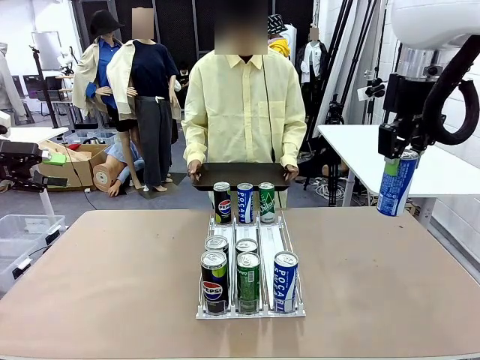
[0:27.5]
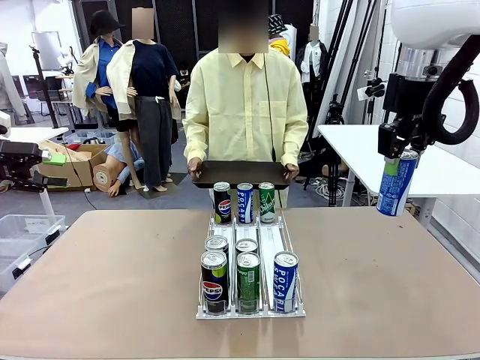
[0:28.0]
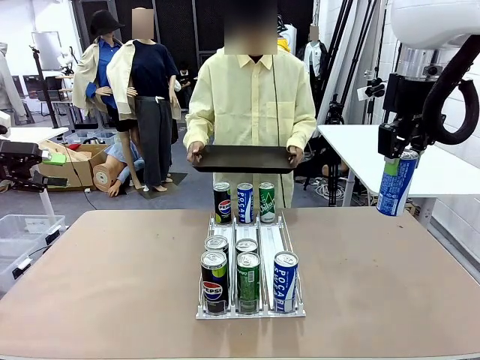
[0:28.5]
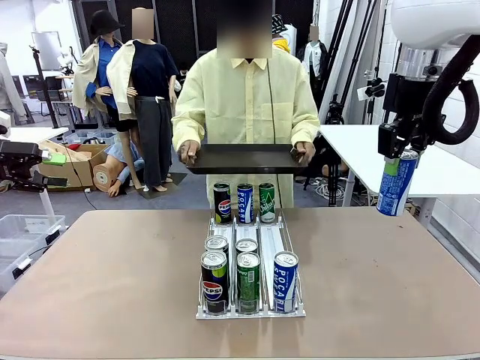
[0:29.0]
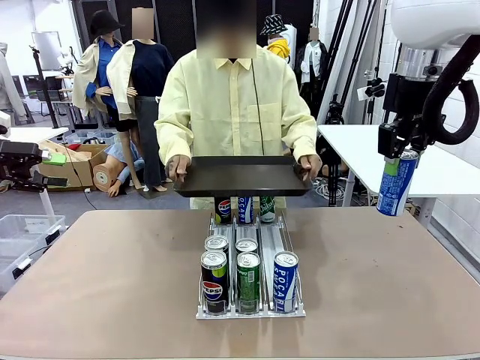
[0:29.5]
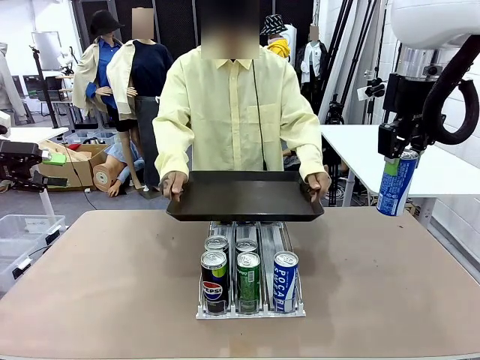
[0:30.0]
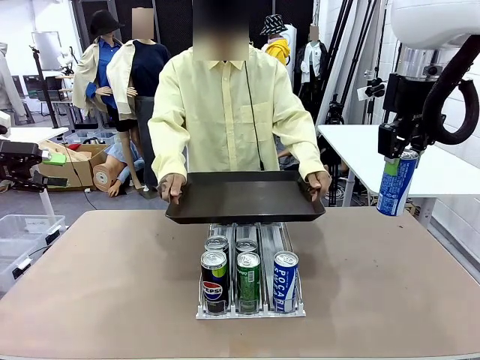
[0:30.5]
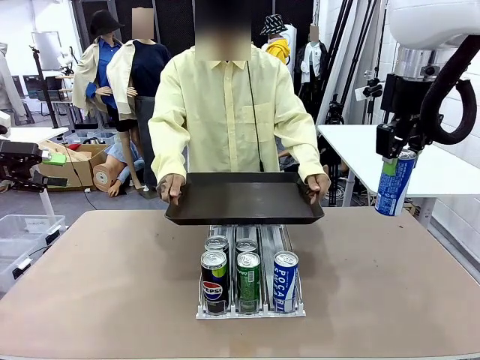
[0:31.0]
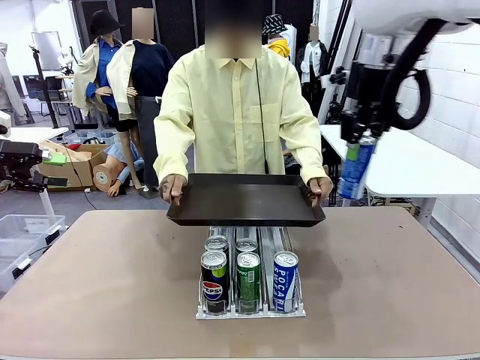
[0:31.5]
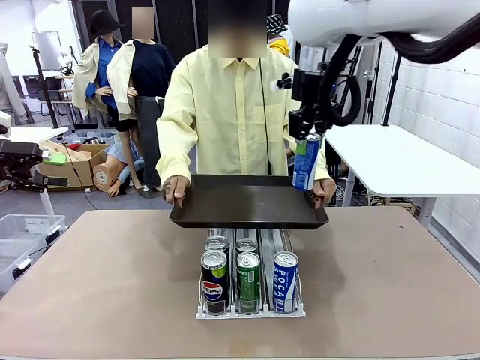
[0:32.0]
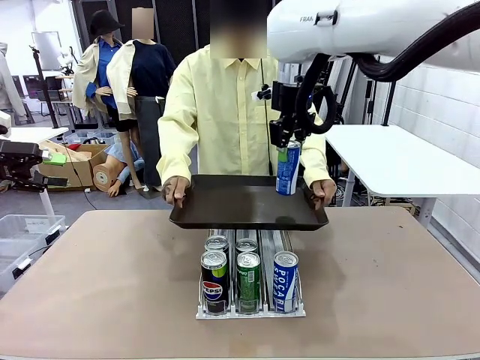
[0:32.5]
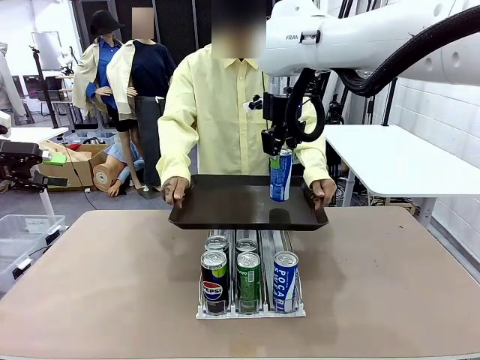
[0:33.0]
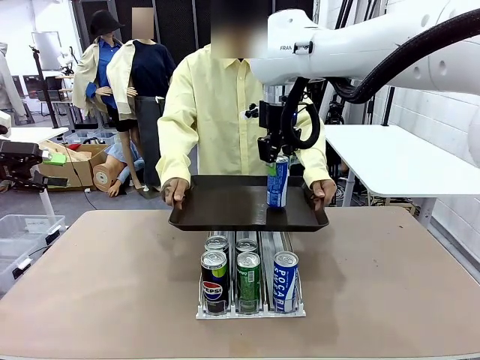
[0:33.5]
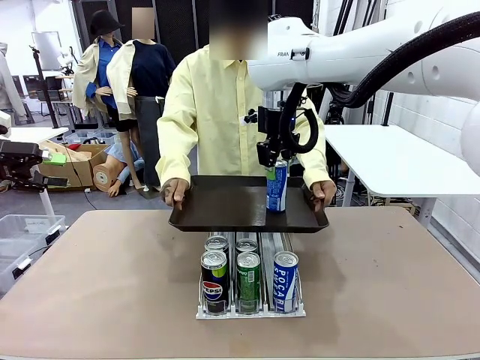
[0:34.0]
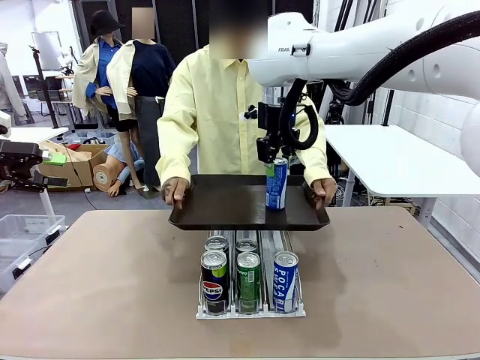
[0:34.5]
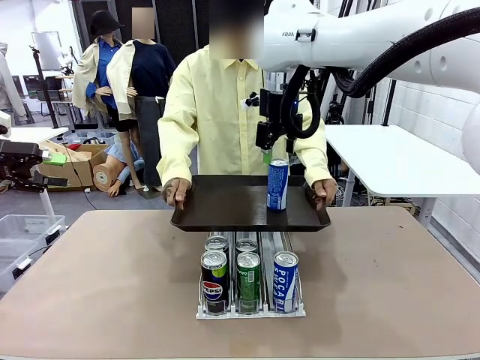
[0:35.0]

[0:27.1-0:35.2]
Task: Retrieve and hand over the desired beverage to the person.
Robot: Place the picked can on the Handle tray extended by the person.

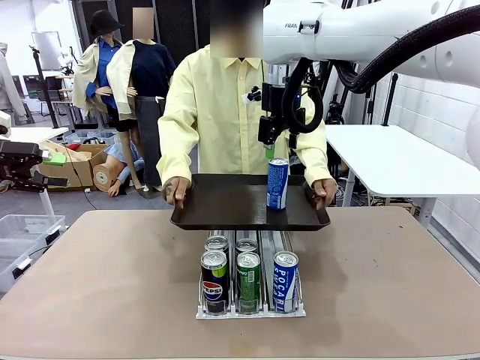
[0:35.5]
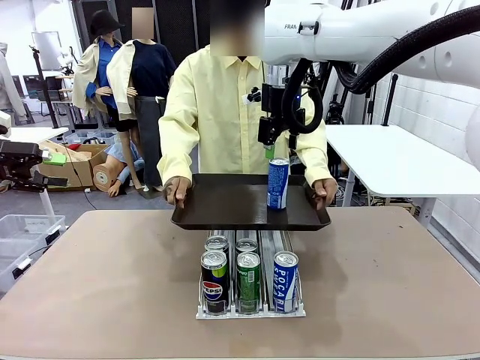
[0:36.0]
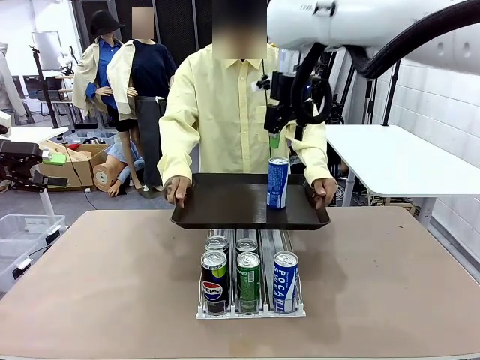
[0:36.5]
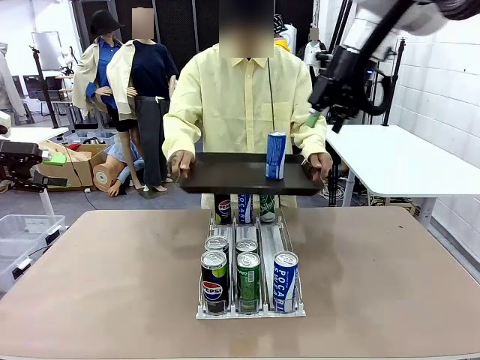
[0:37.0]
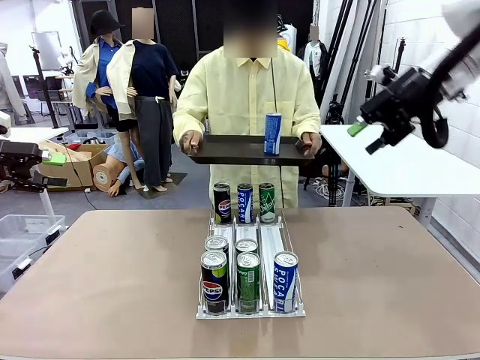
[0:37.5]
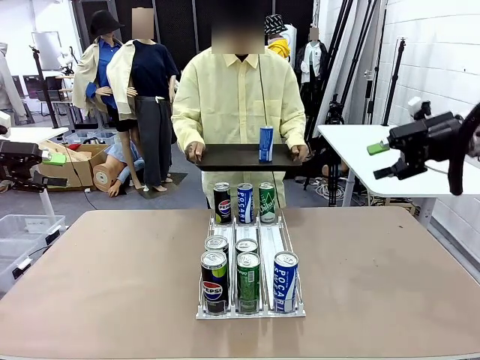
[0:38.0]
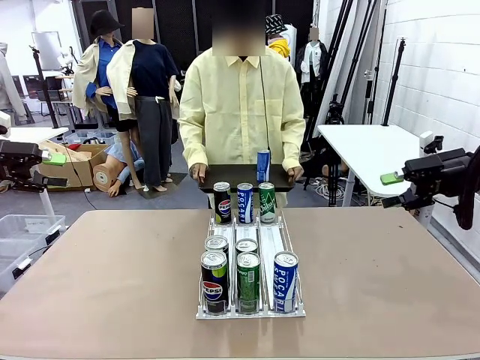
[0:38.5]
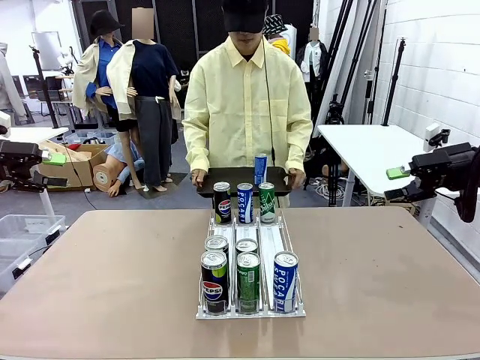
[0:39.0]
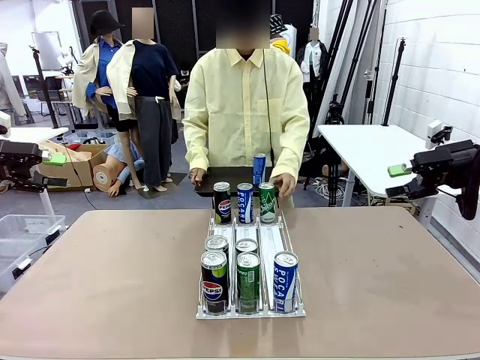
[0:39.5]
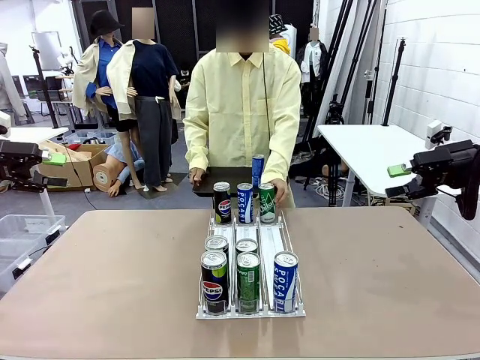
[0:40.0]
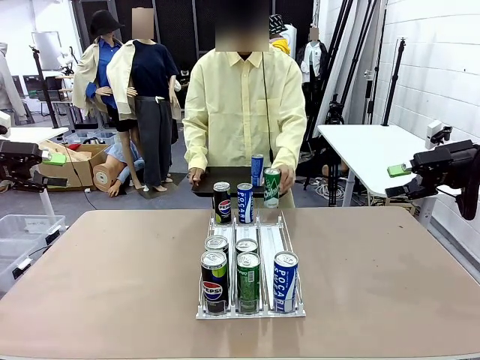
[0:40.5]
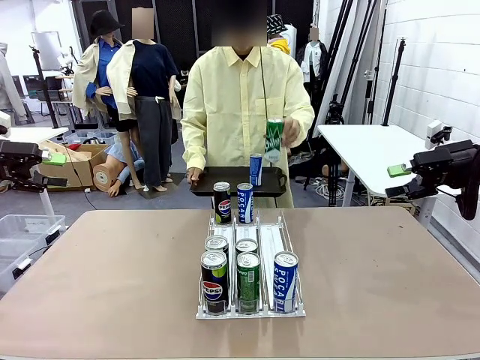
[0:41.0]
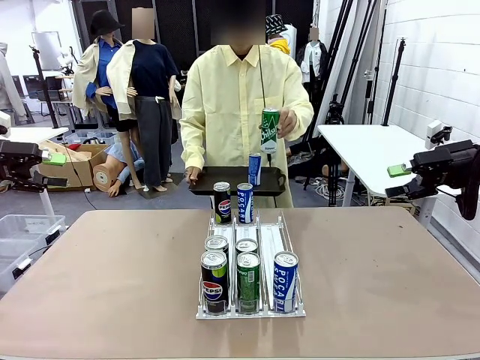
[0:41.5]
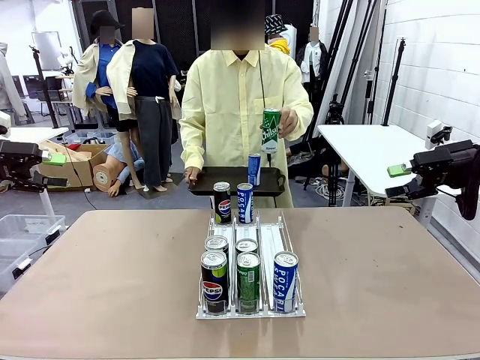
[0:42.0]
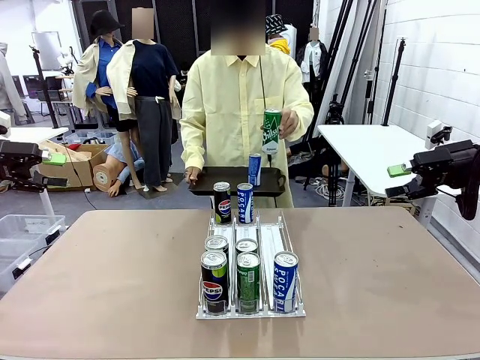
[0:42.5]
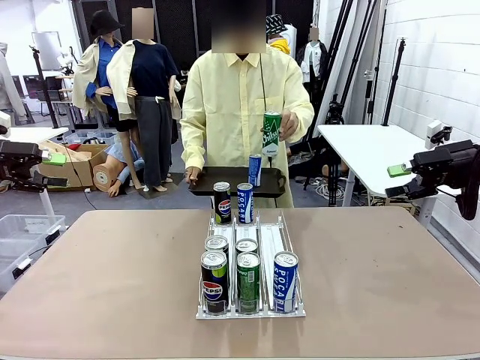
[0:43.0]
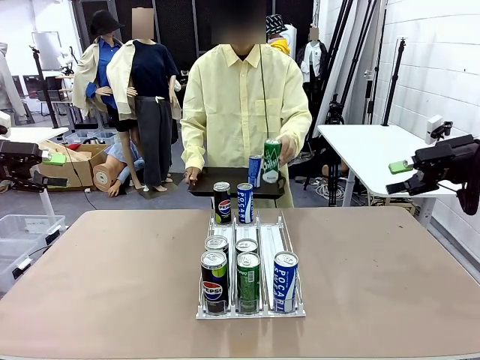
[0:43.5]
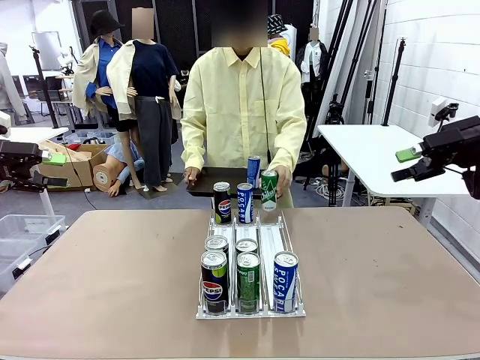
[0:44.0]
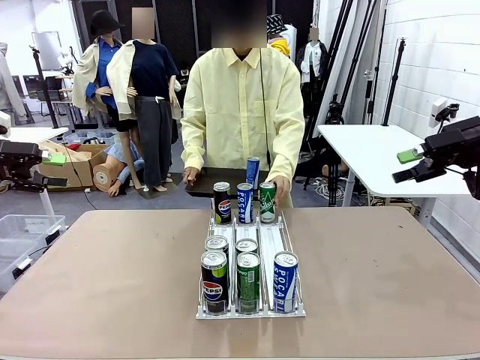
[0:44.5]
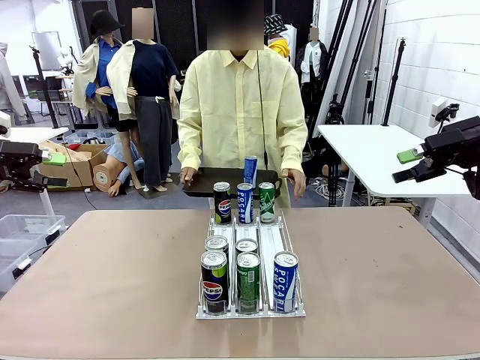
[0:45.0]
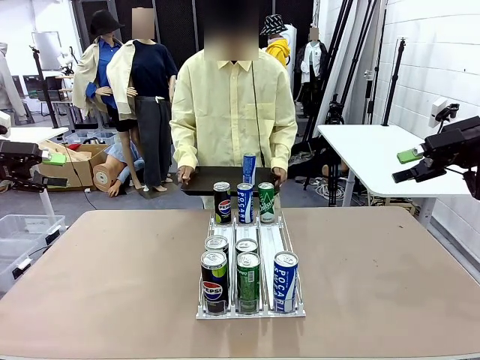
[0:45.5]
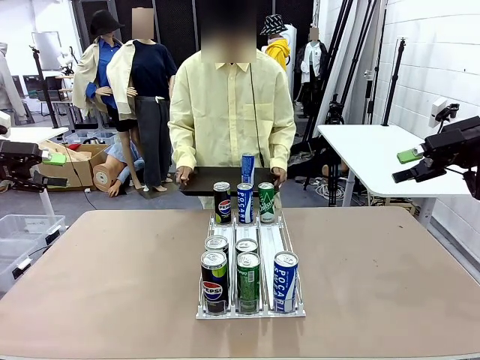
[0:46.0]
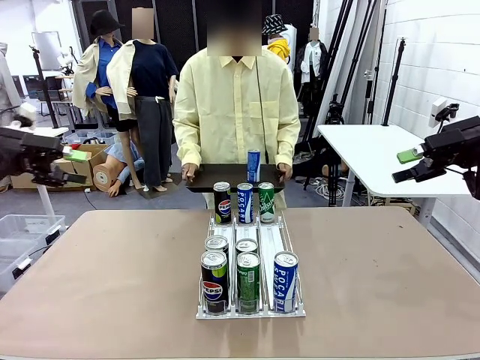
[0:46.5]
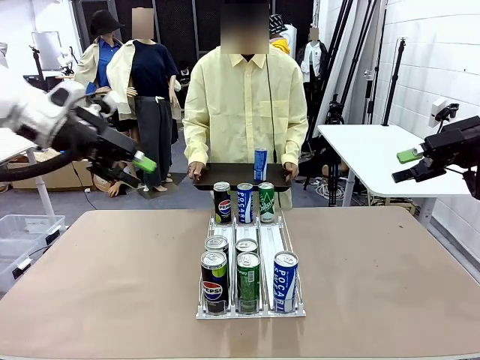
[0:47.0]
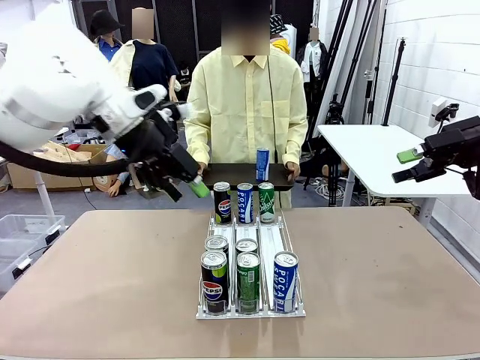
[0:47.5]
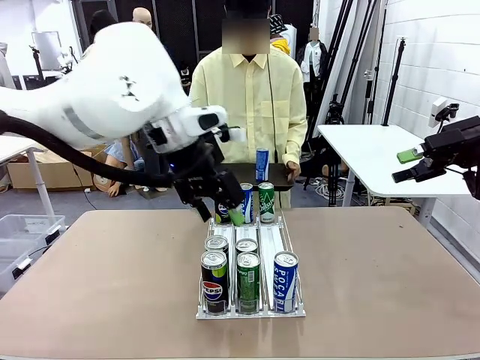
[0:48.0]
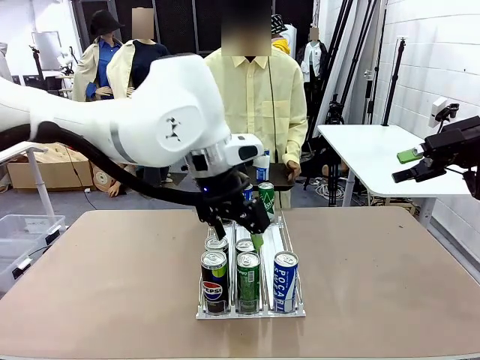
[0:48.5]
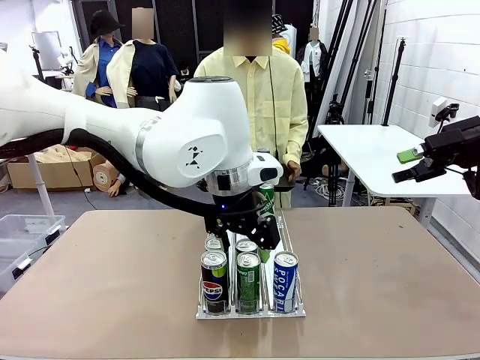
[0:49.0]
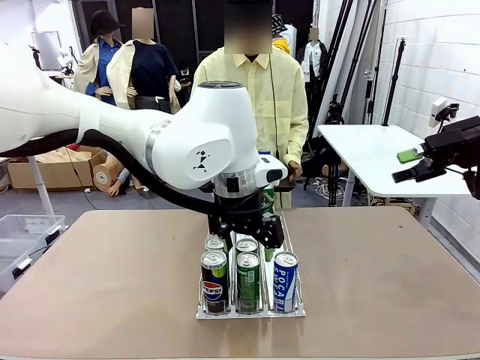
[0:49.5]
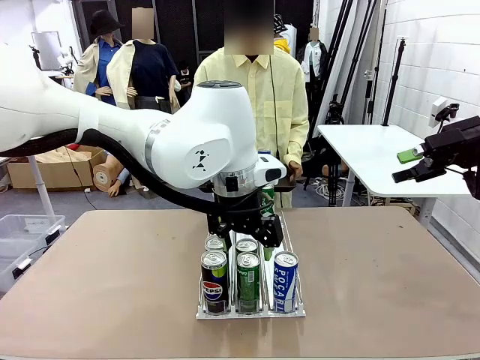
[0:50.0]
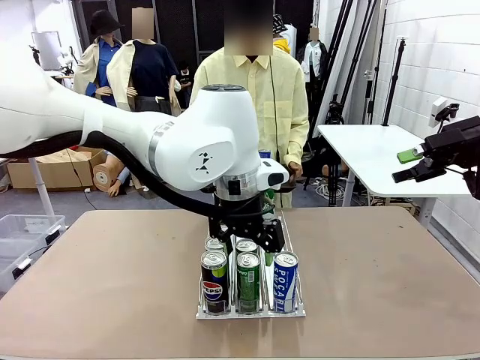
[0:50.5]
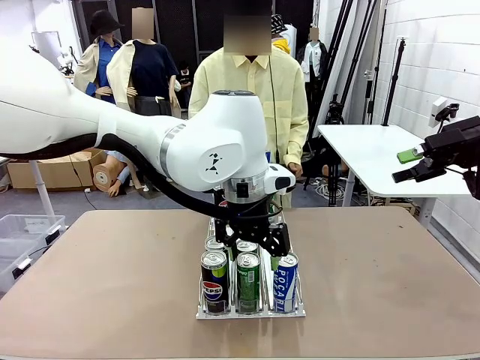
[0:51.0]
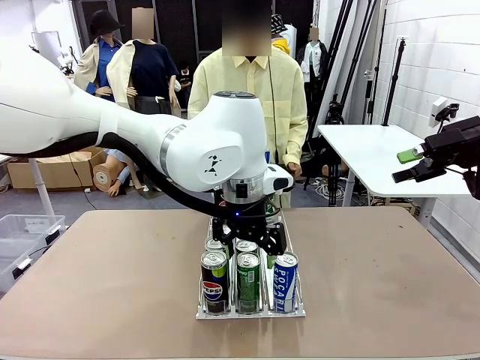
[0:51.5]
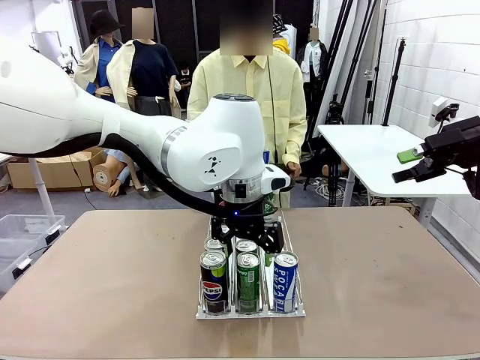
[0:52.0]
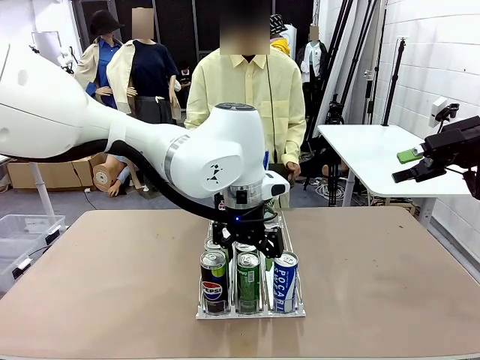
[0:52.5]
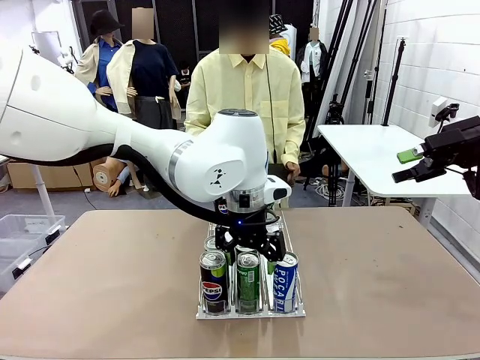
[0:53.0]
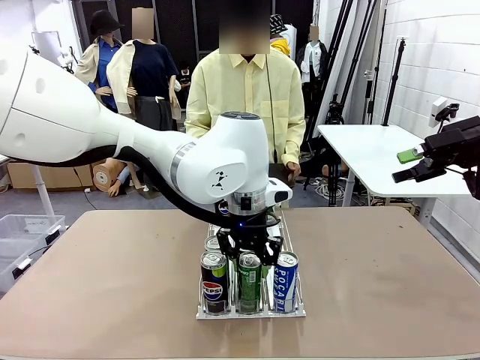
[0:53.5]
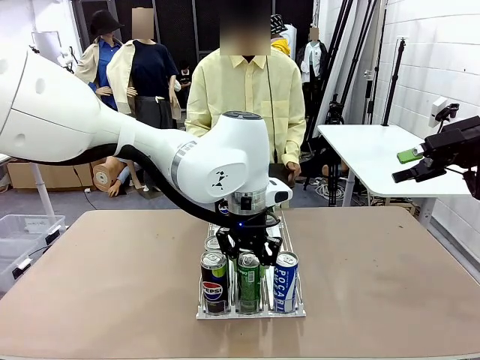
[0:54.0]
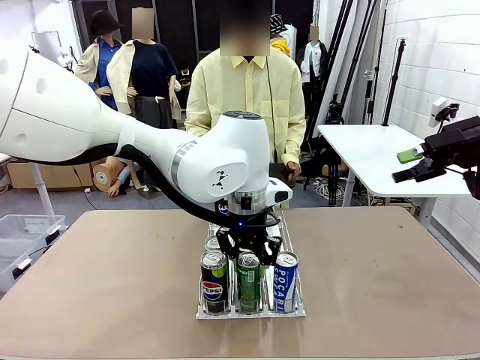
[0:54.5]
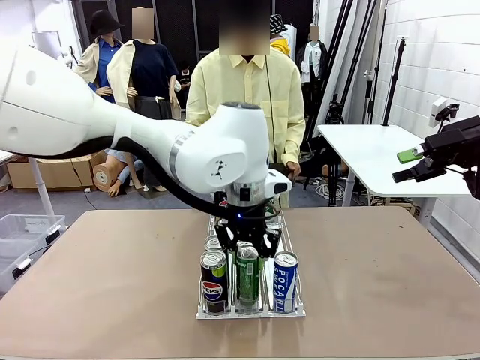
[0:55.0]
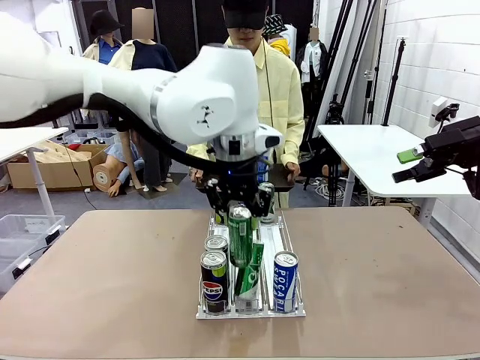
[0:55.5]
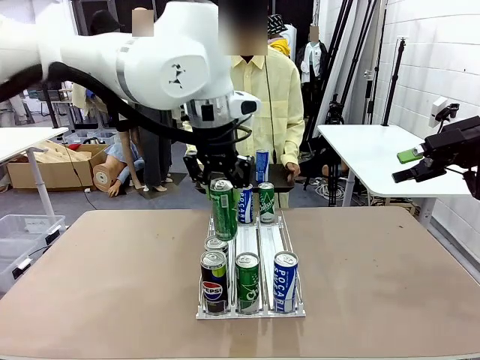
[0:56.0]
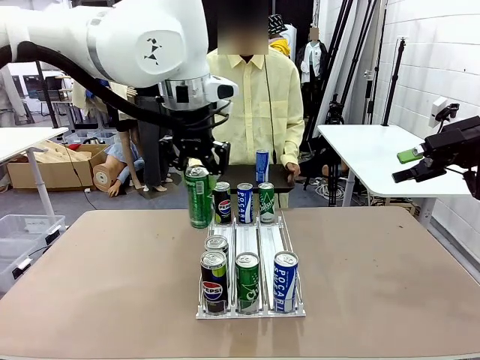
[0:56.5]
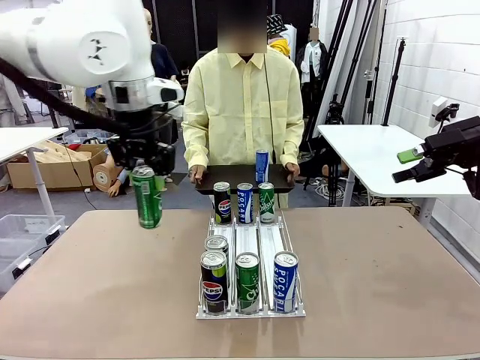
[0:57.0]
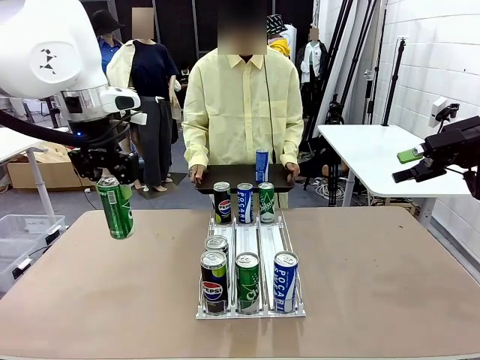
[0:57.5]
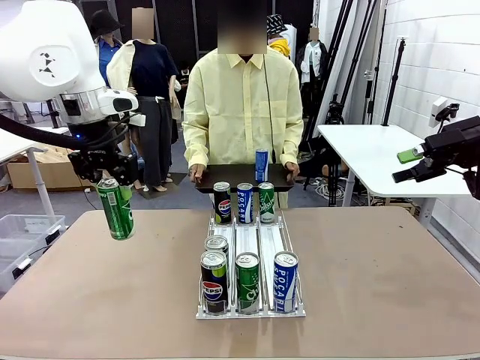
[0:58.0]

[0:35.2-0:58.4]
Robot: Pick up another can of the same type that the person held from the Automatic Can Dispenser.
Person: Pull the tray back, then pick up another can from the bottom area of the table and puts it back in its original place. Push the tray toward the robot again.
